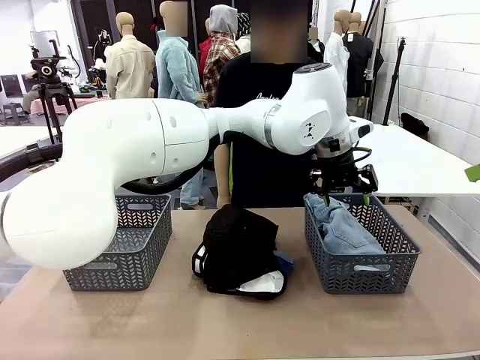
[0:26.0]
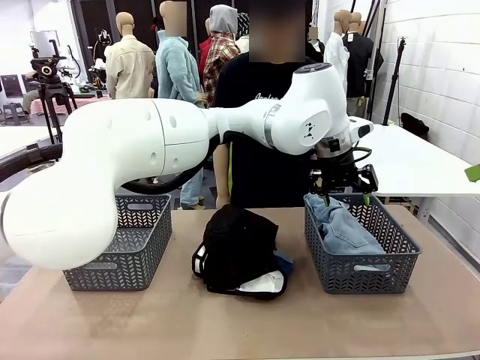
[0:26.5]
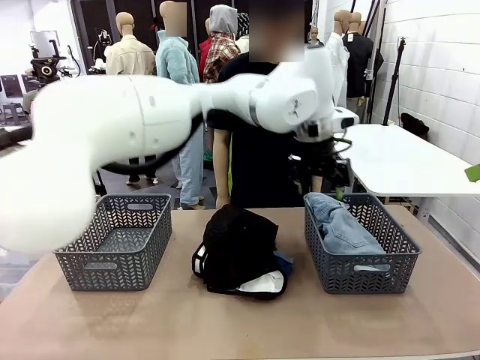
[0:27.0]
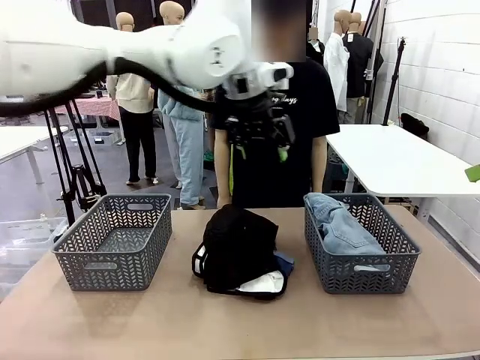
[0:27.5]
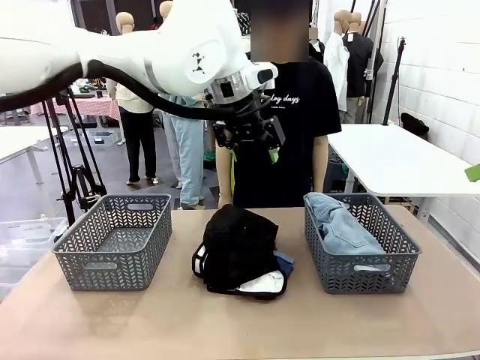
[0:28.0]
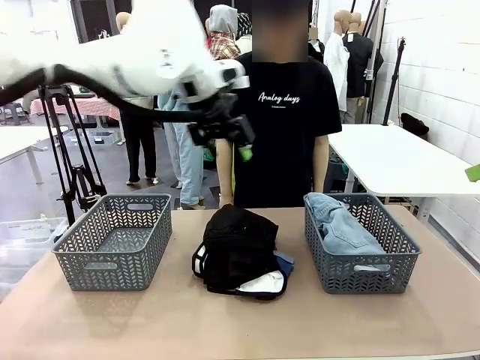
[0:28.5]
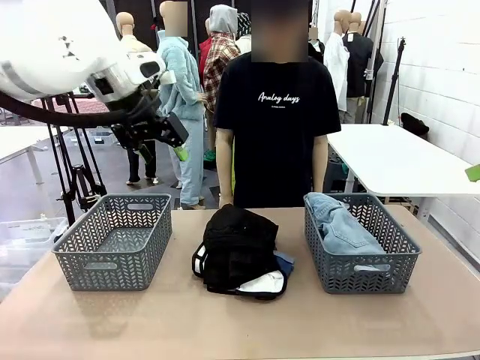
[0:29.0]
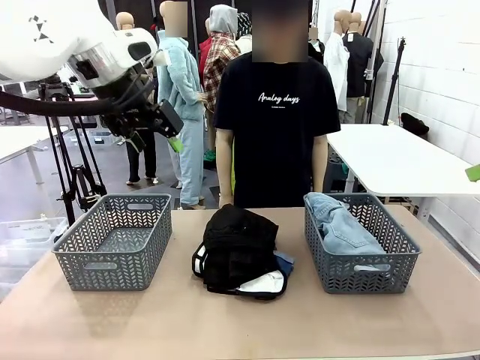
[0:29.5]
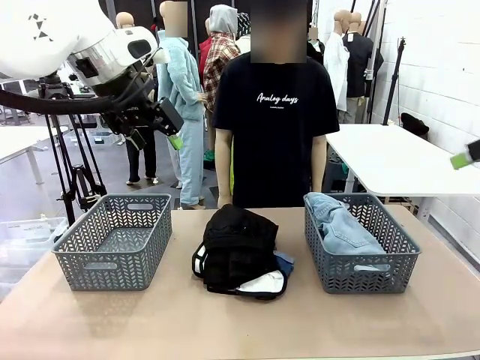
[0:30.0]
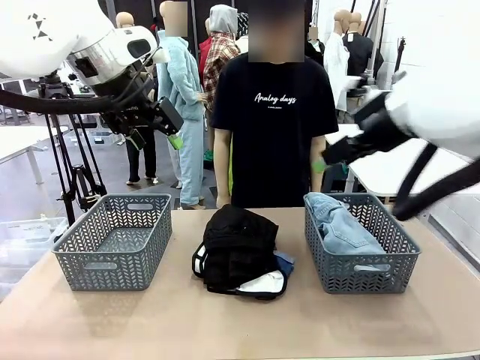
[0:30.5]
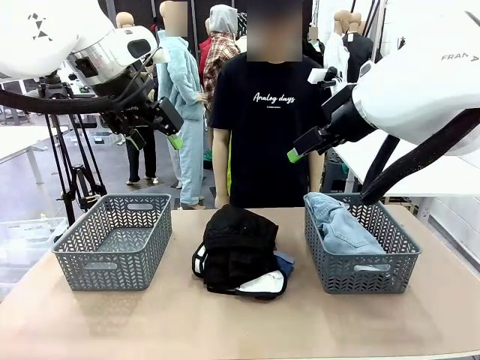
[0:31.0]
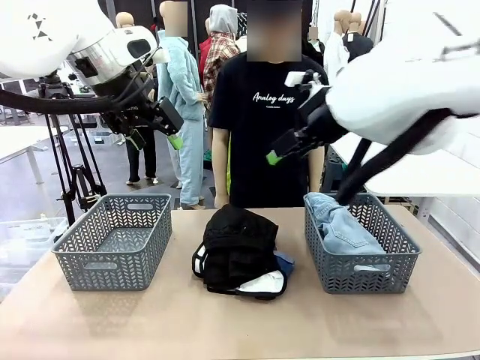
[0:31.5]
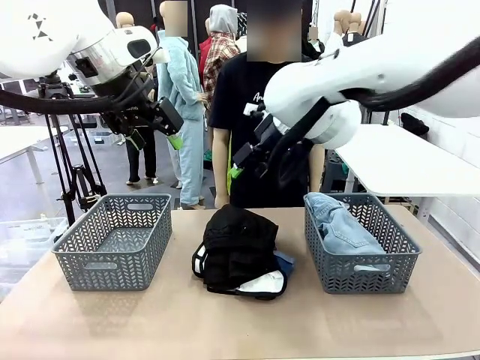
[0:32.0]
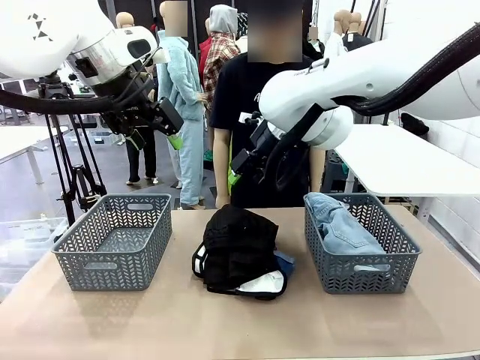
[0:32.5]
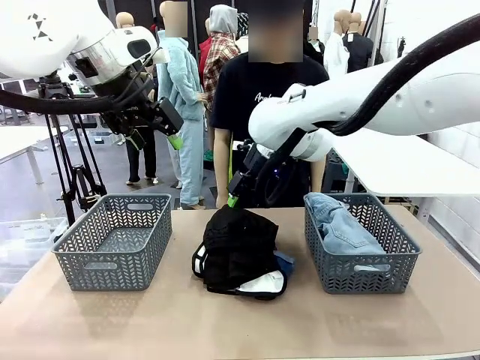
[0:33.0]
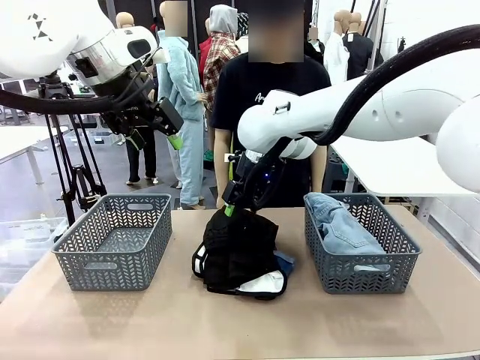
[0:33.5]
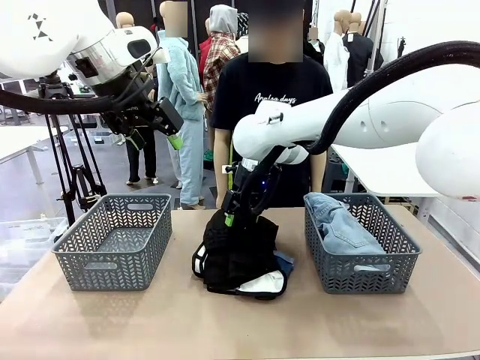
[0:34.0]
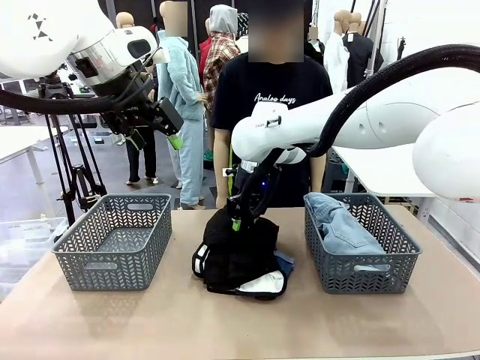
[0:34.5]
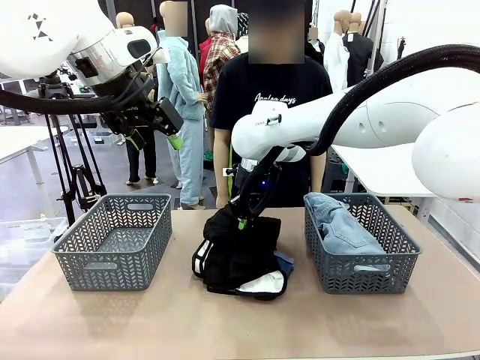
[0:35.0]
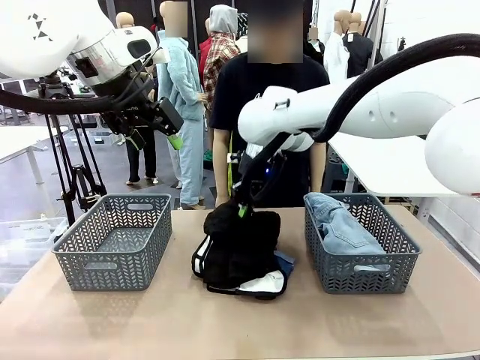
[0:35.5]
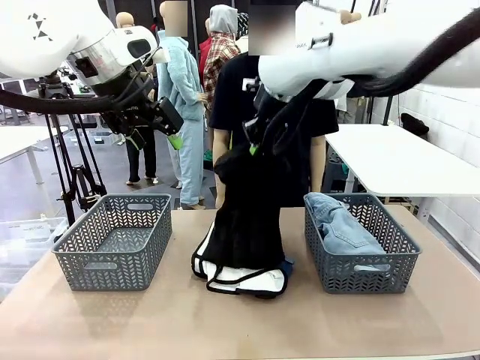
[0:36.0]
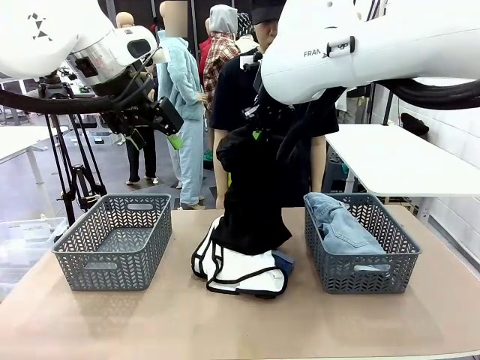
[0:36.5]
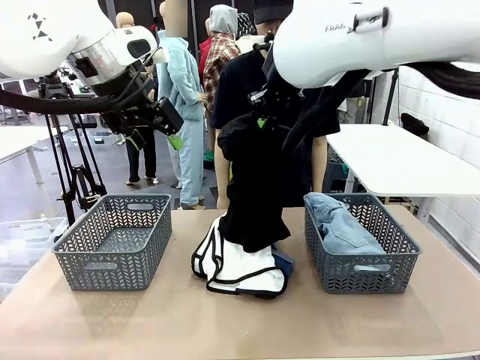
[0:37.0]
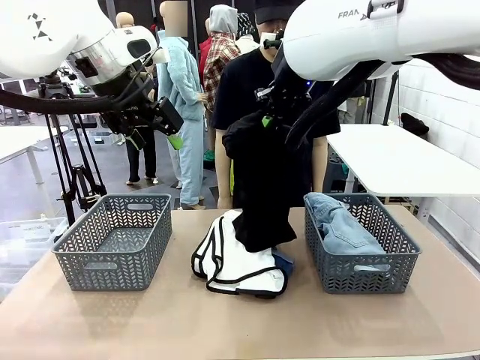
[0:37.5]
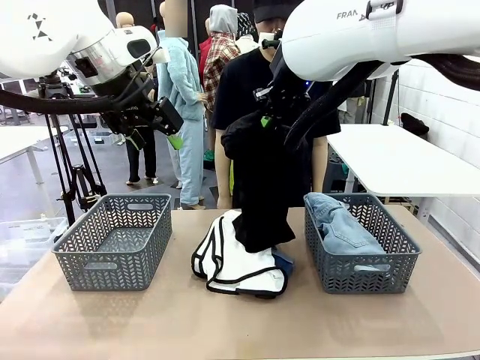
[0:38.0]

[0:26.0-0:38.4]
Task: Sort the tops and bottoms.
Robot: Lift clothes from the center of the table with your right hand.

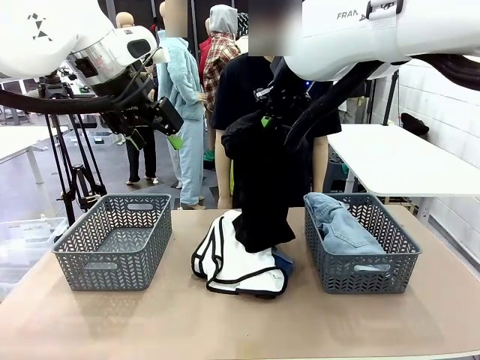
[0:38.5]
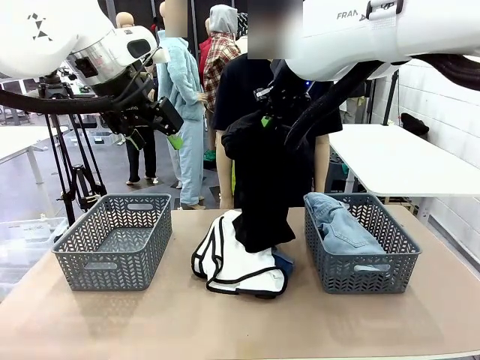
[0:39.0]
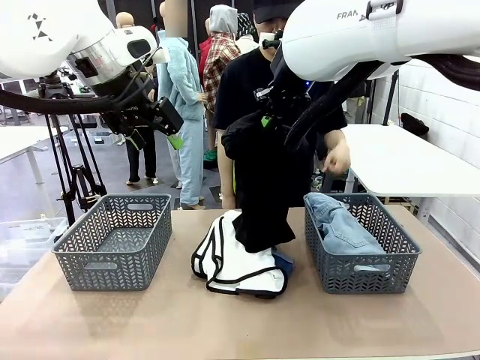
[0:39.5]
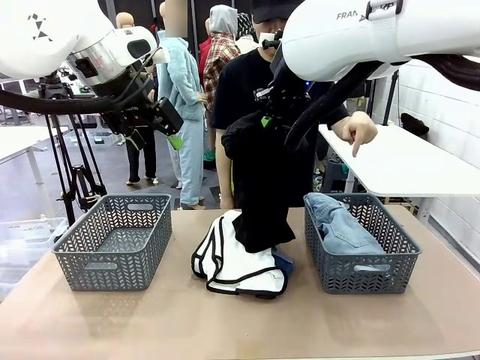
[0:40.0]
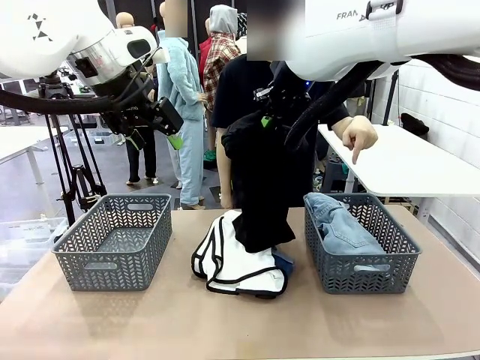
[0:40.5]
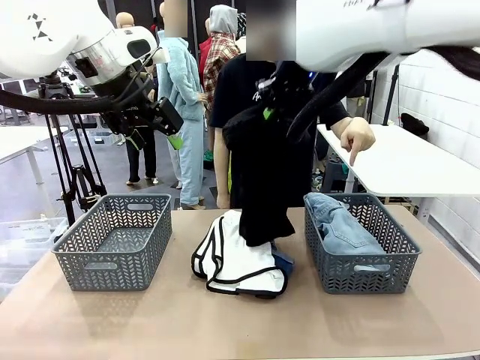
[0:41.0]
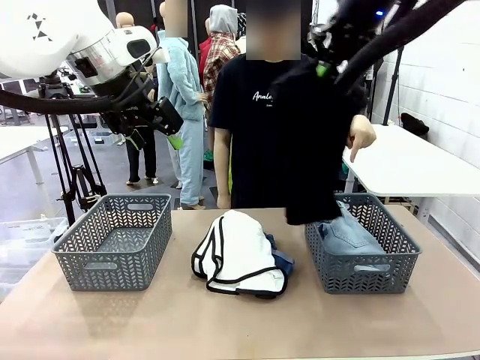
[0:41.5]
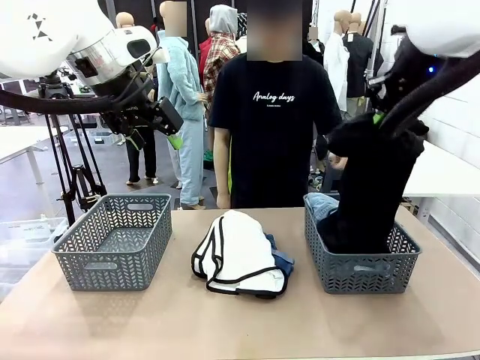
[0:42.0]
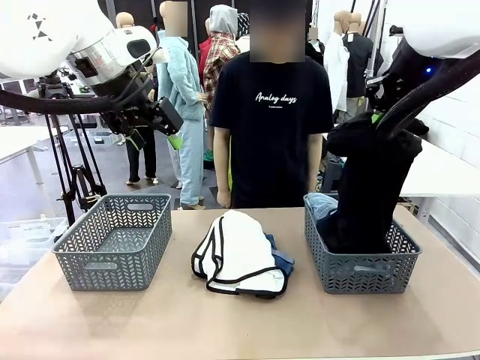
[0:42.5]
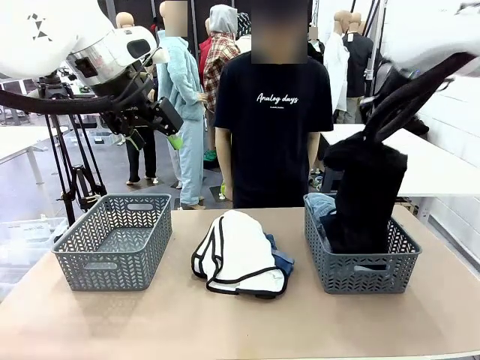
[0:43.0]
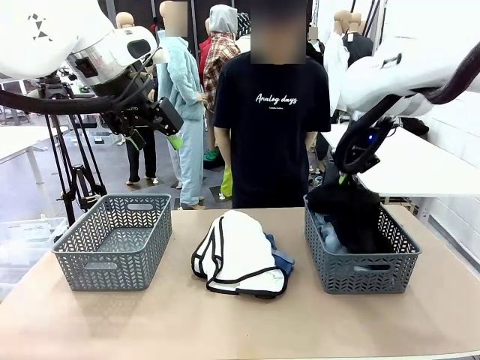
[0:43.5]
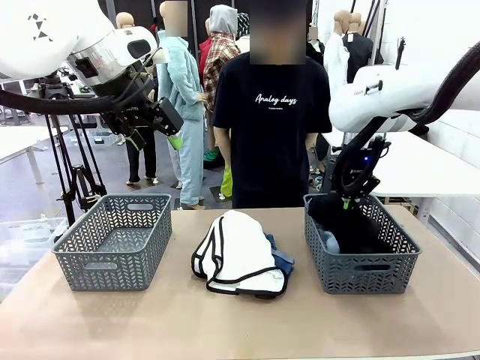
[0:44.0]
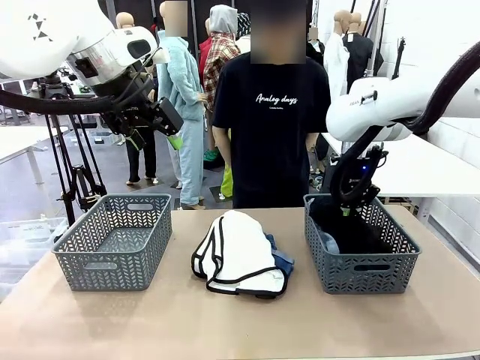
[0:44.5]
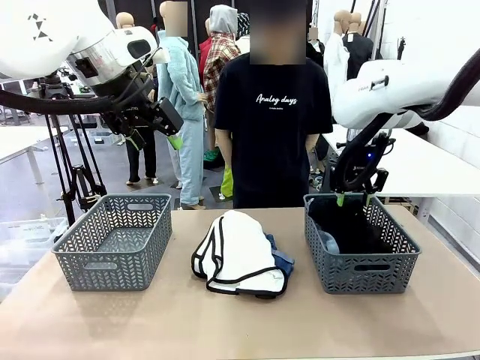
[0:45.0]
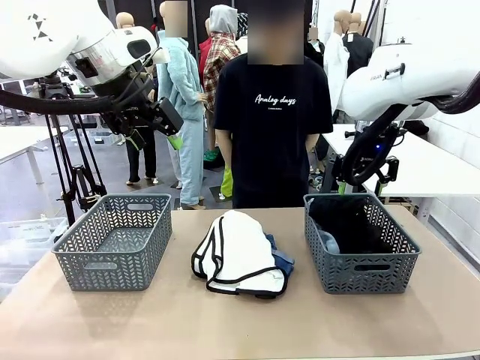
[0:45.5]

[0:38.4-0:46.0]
Robot: Sort the clothes according to human instructions.

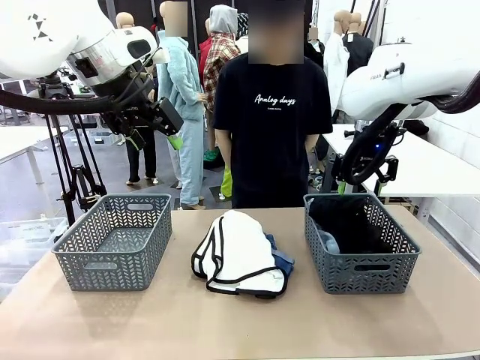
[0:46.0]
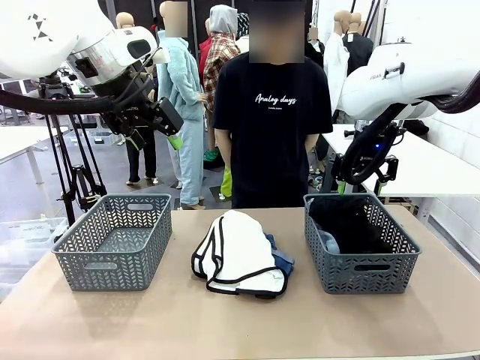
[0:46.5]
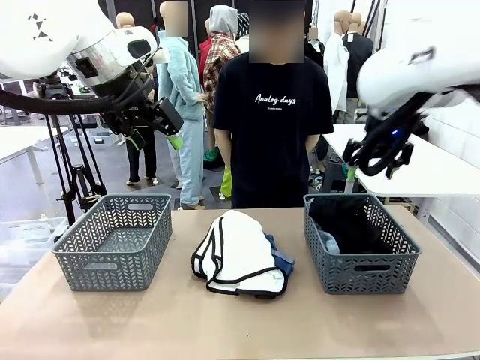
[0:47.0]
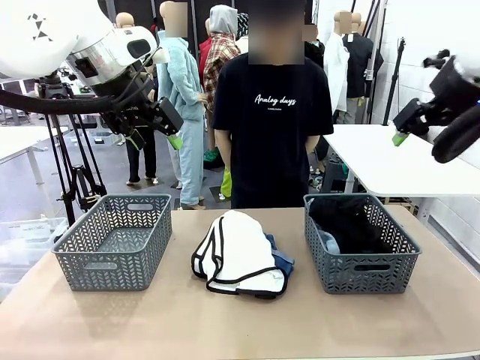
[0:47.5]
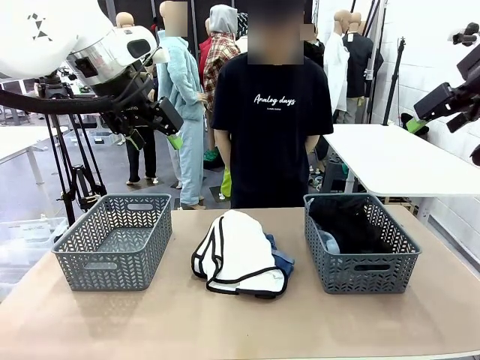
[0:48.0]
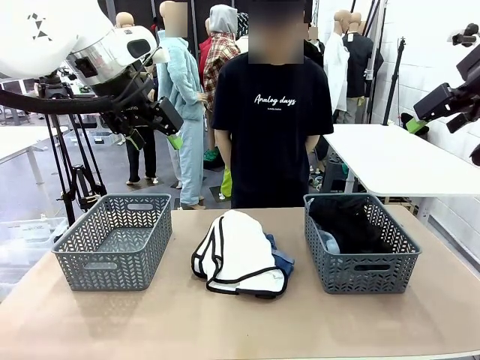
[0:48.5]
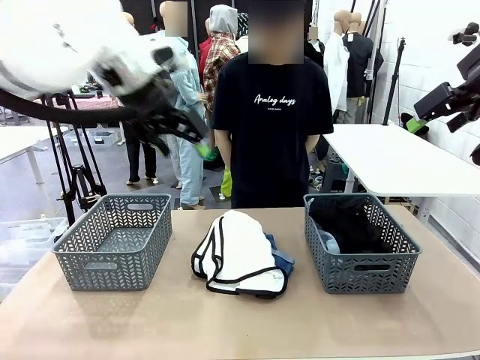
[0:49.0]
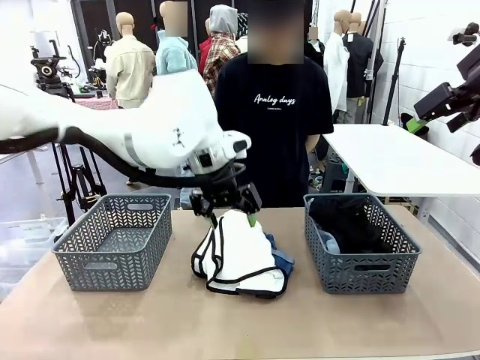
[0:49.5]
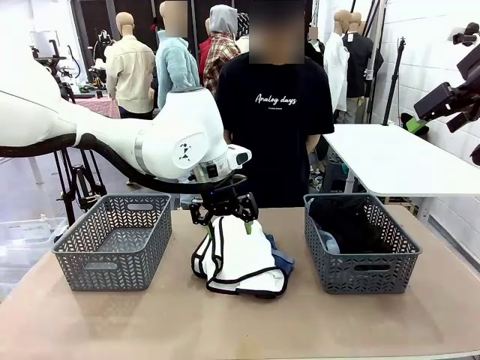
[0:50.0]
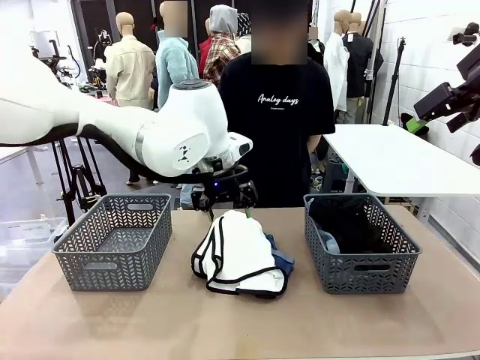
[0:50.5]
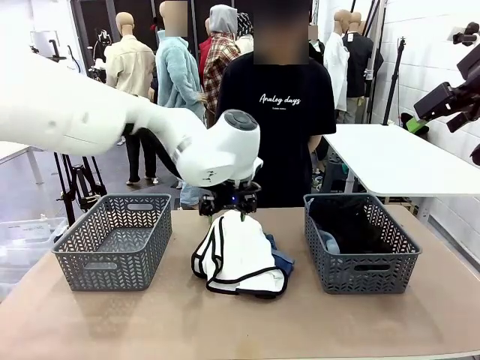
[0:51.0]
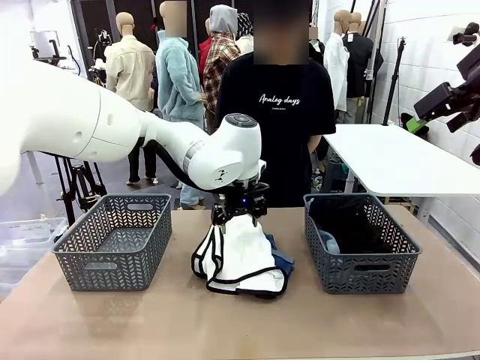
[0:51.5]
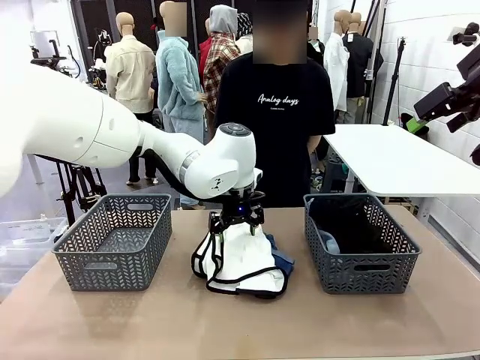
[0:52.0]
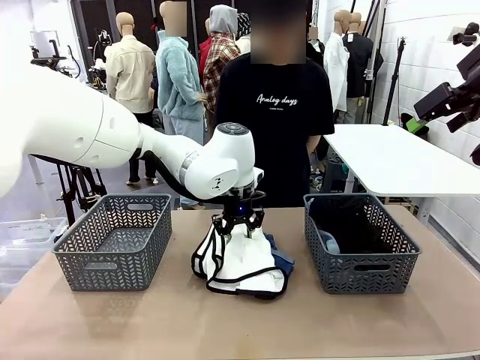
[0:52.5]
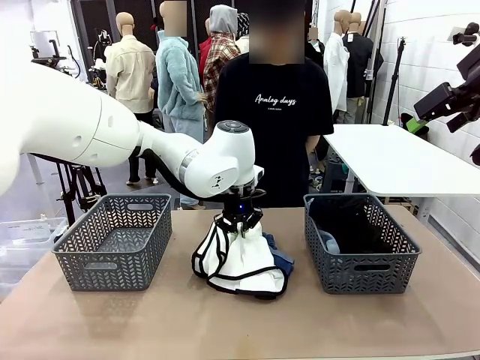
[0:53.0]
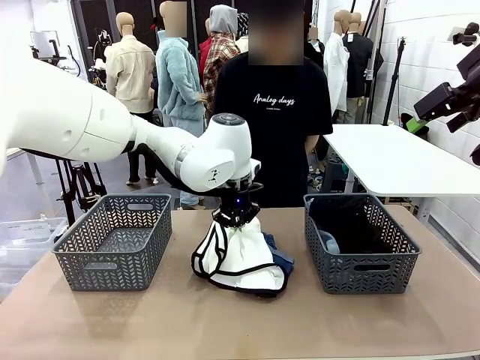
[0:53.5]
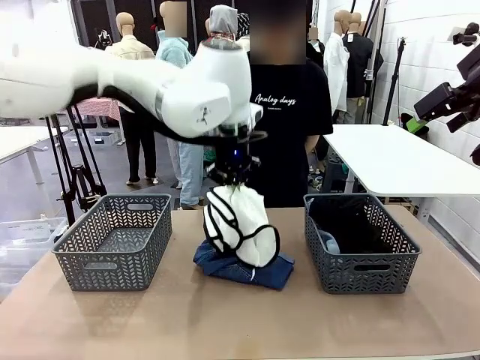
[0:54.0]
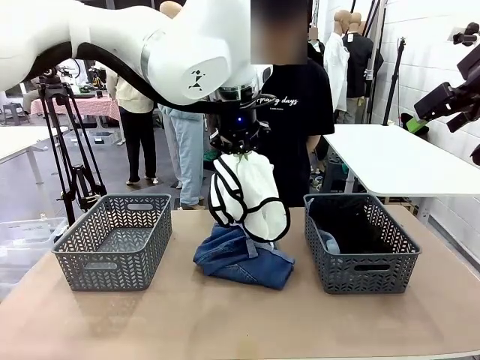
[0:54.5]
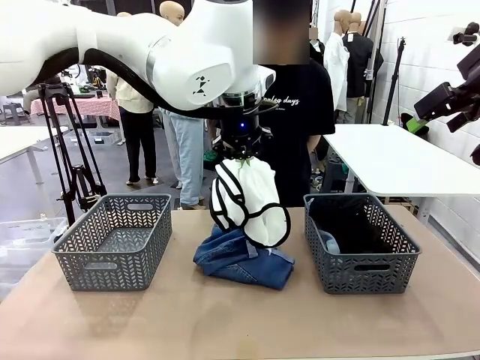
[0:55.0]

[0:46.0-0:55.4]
Robot: Lift clothes from the center of the table with your left hand.
